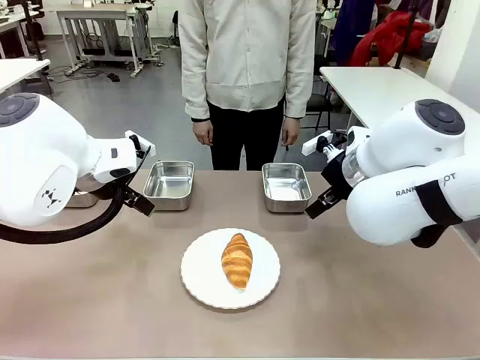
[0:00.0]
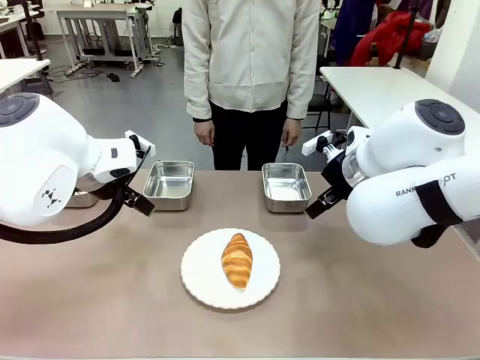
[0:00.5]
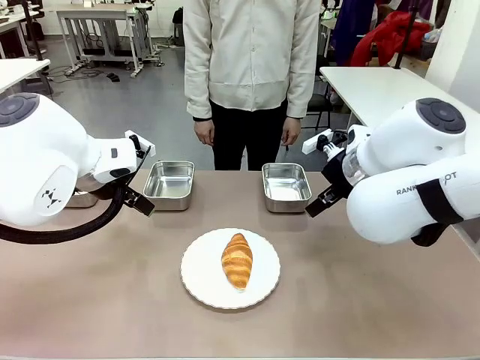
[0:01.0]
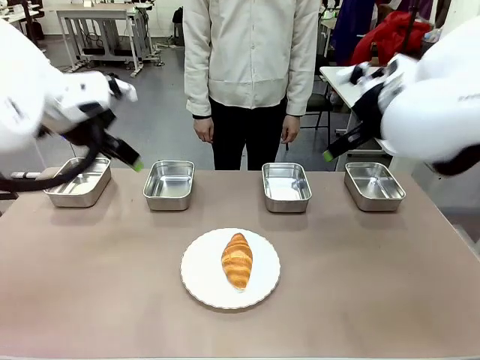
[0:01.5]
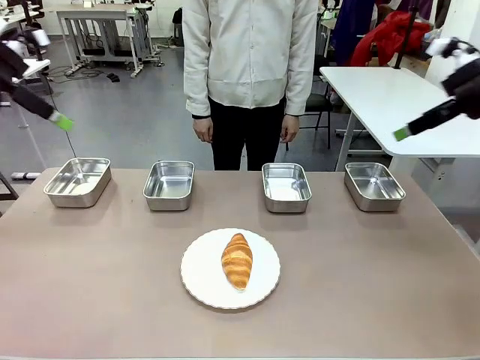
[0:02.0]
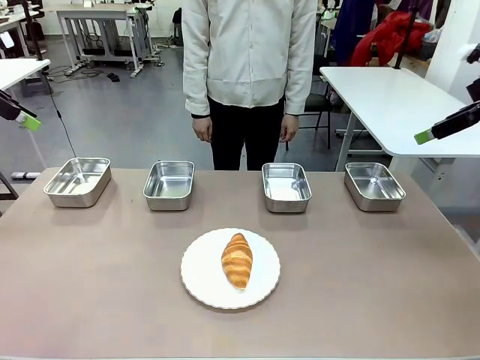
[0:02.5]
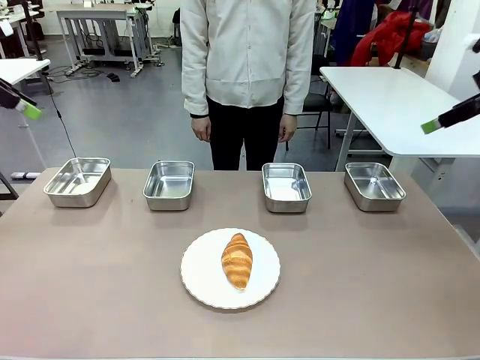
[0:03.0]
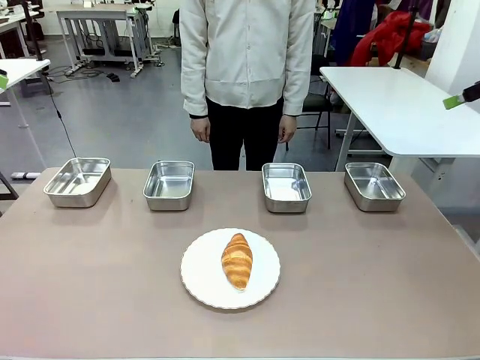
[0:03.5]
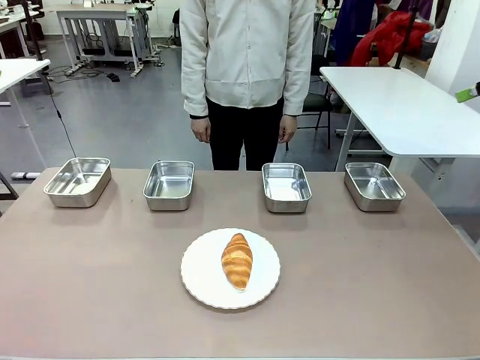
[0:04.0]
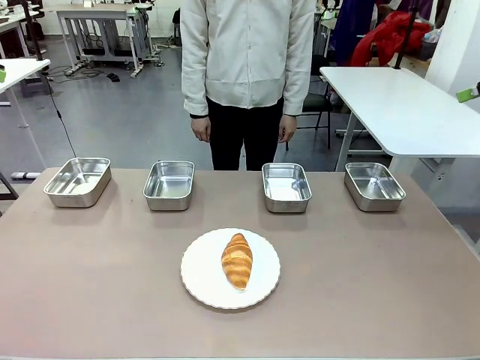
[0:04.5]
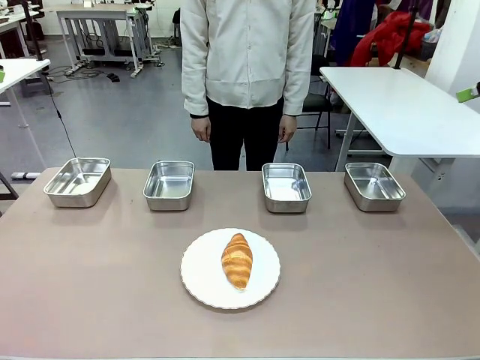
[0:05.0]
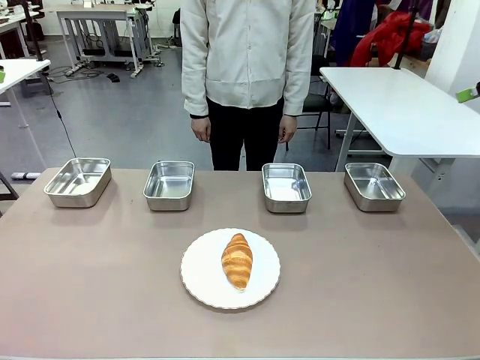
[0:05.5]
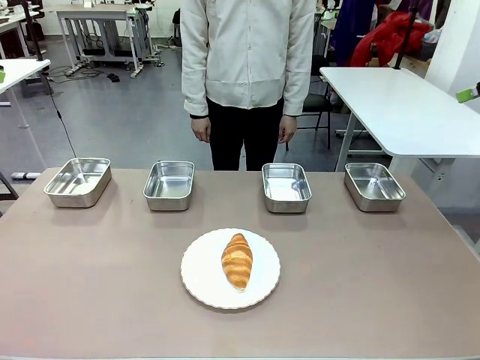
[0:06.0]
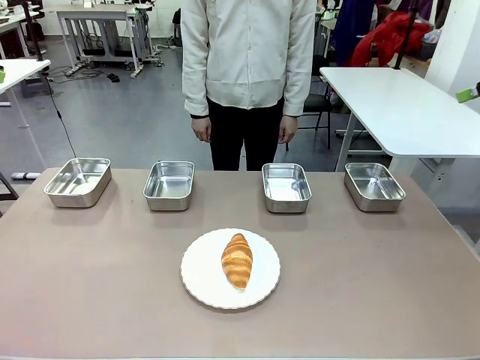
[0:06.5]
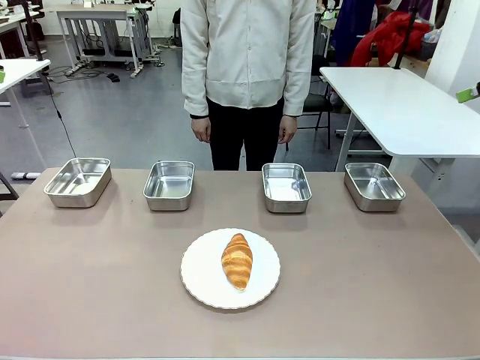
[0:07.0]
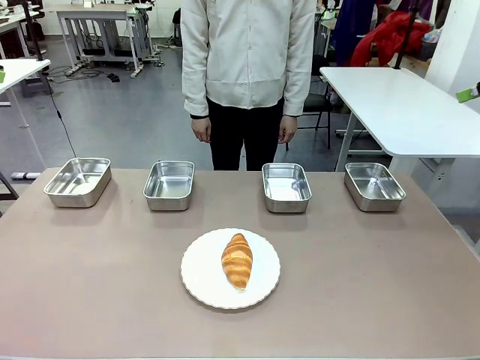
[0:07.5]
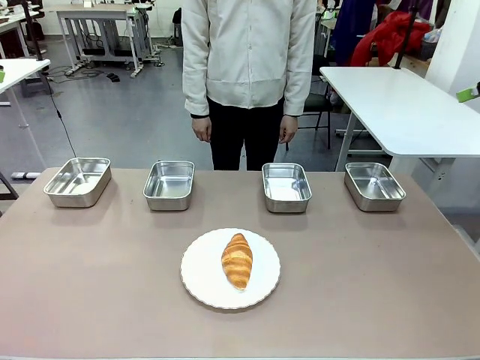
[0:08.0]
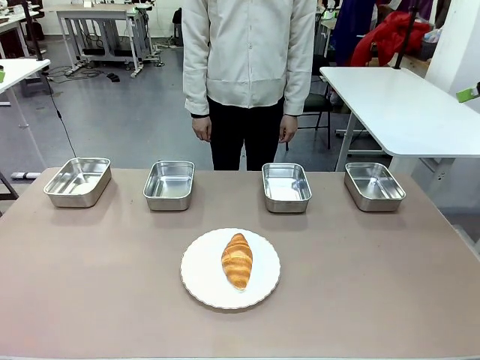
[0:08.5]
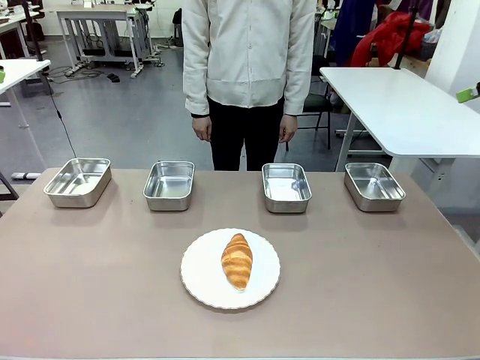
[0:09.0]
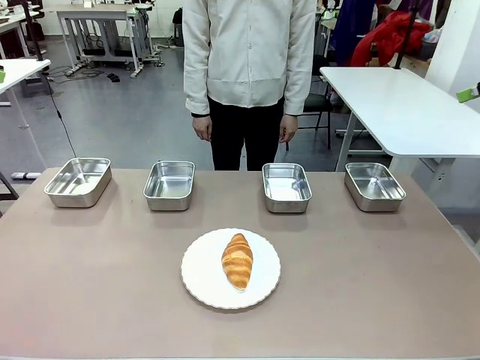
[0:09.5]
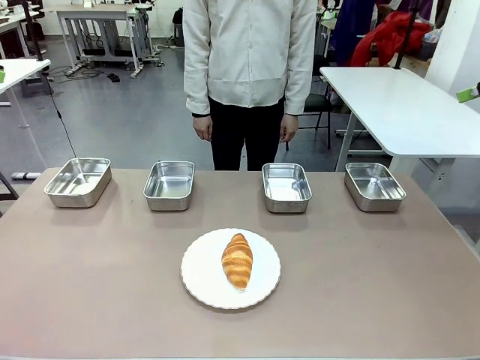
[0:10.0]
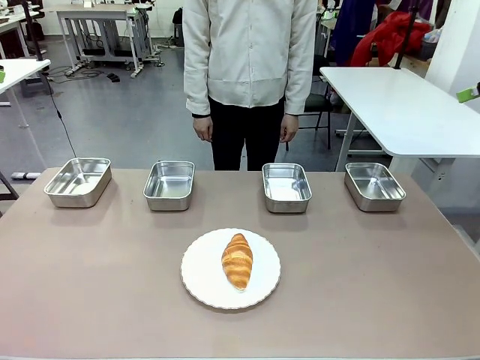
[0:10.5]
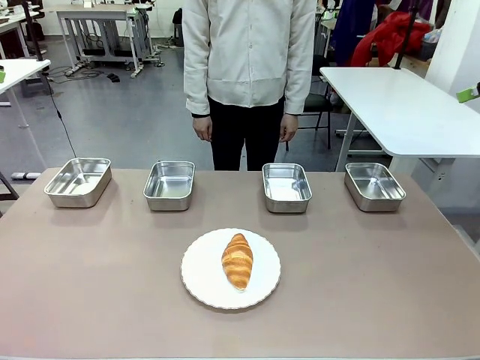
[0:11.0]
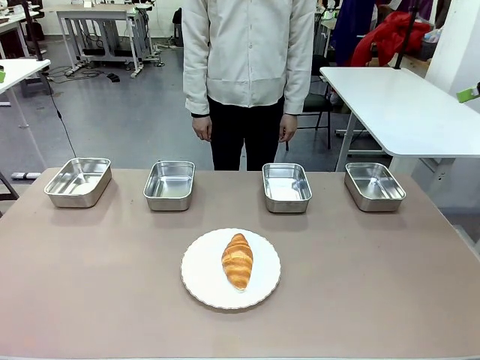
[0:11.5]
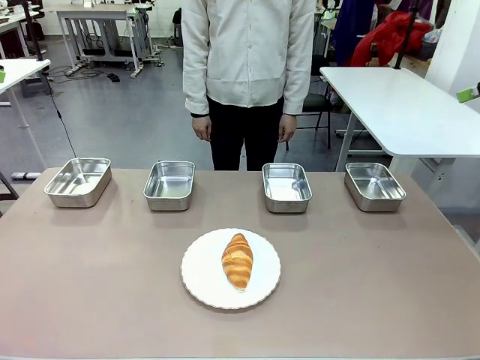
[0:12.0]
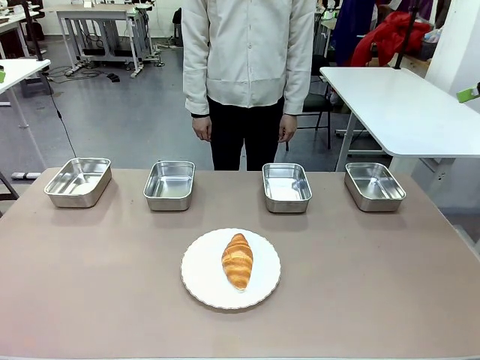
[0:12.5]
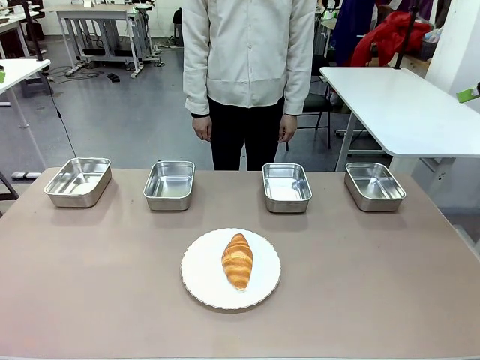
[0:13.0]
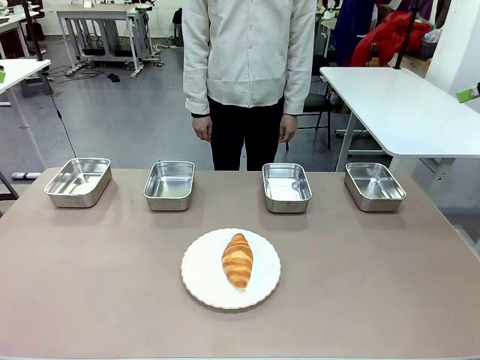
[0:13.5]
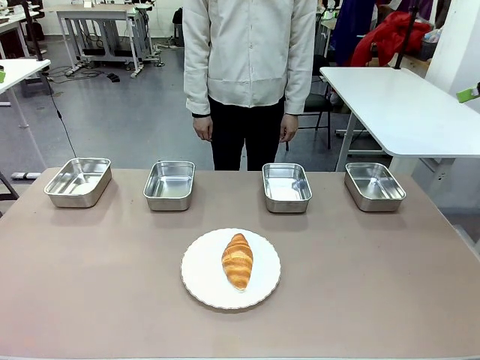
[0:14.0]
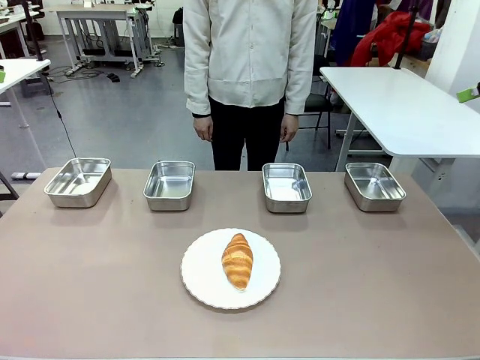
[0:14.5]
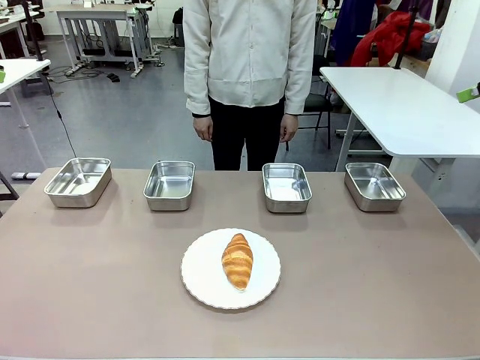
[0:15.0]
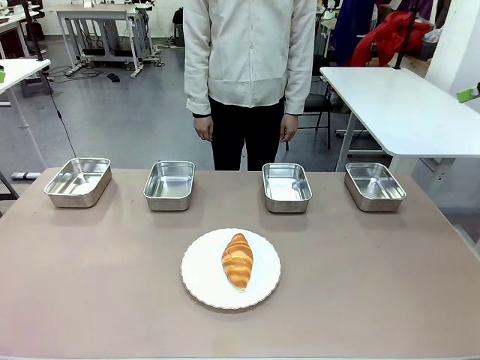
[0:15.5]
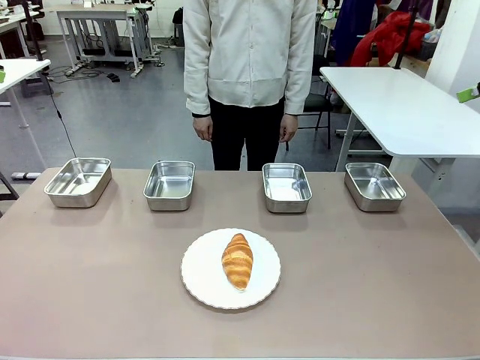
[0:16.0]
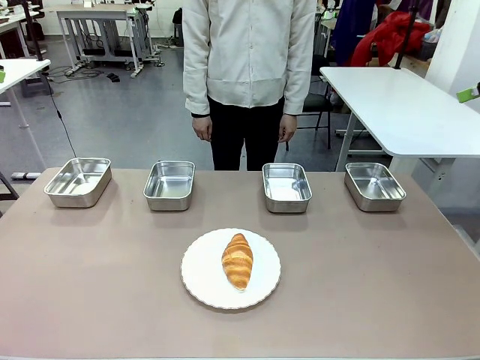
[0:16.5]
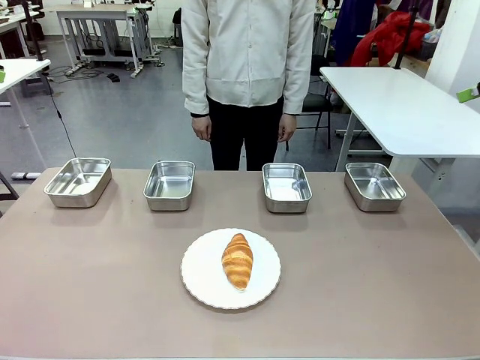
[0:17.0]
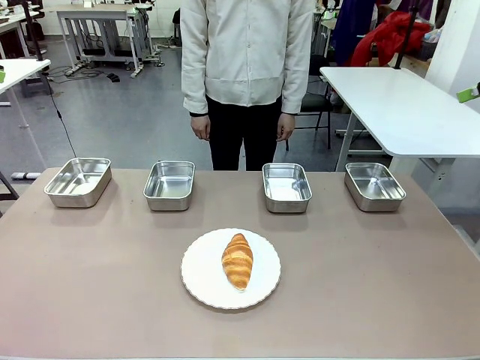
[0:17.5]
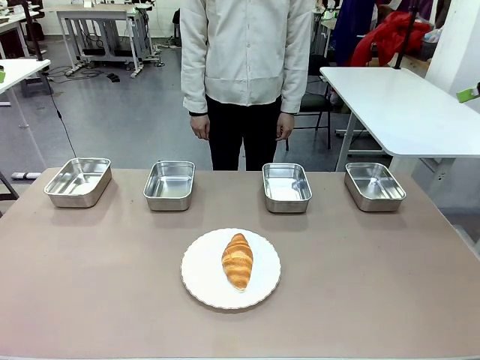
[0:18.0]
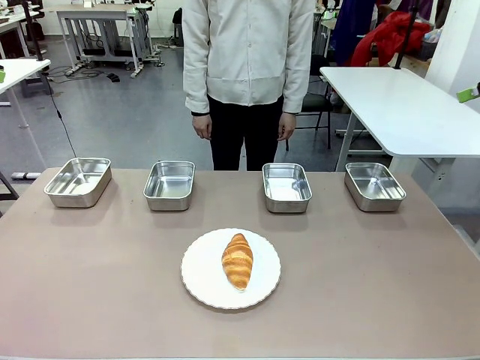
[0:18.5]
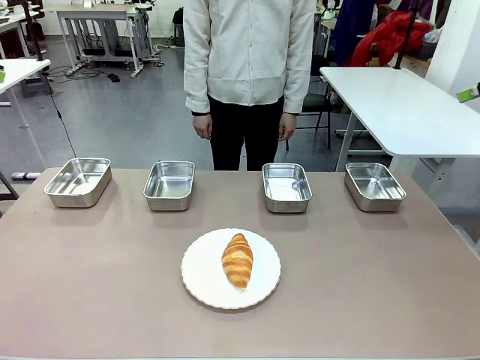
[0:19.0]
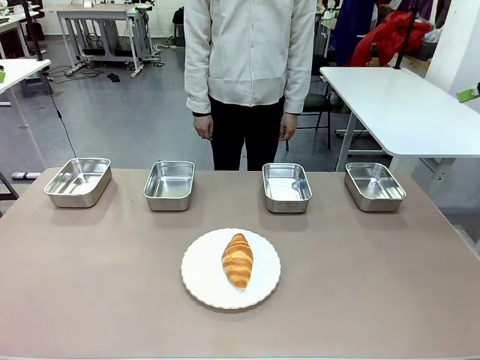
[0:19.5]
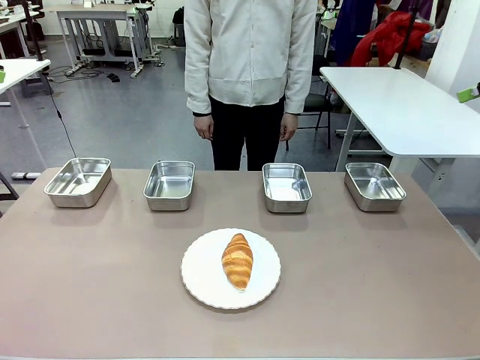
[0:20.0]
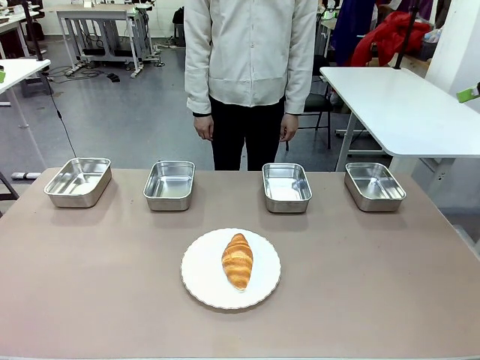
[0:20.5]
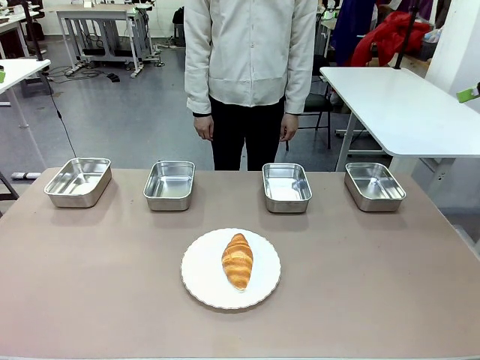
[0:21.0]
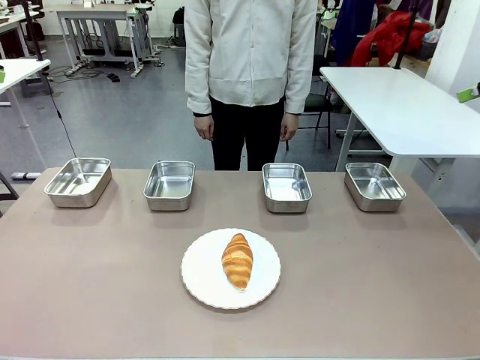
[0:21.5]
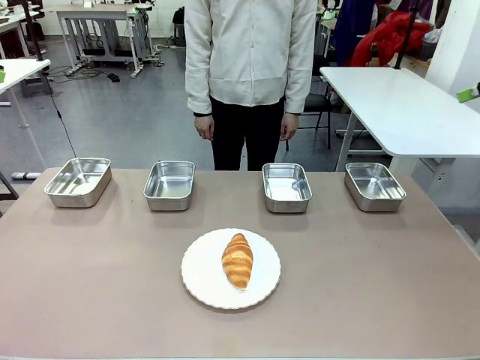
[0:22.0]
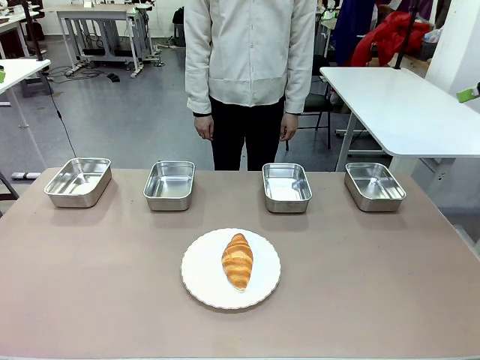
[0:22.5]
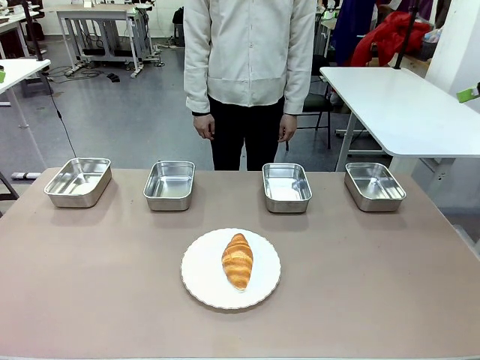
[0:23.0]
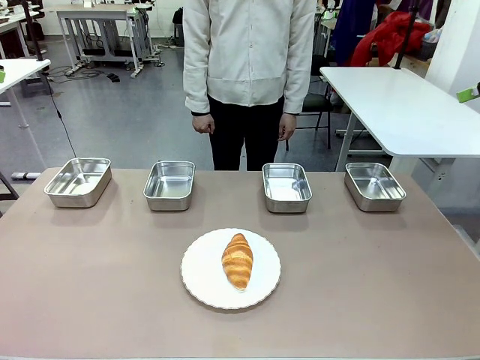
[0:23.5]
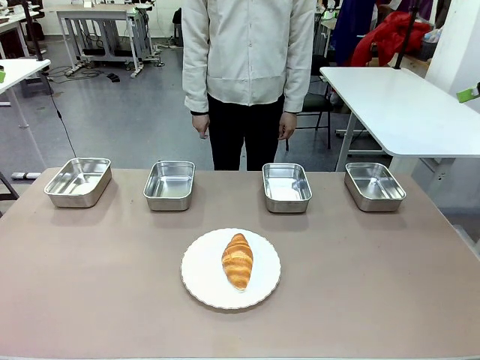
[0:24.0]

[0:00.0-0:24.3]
Task: Place the bread in the container.
Robot: Place the Butter Roll into the Airtight Container indicated by the human.
